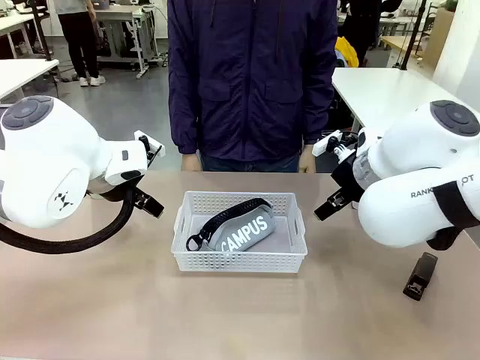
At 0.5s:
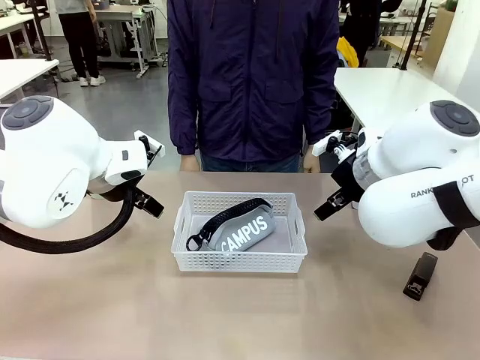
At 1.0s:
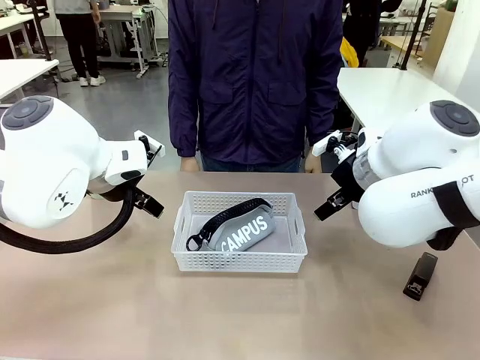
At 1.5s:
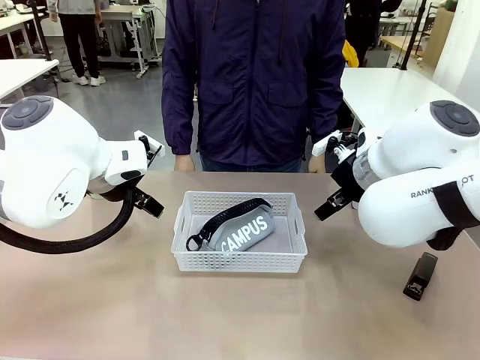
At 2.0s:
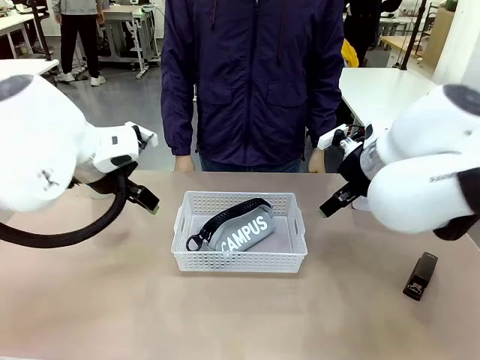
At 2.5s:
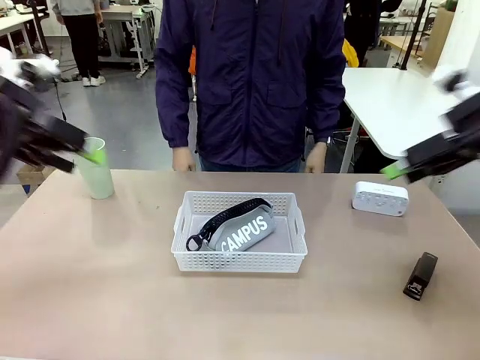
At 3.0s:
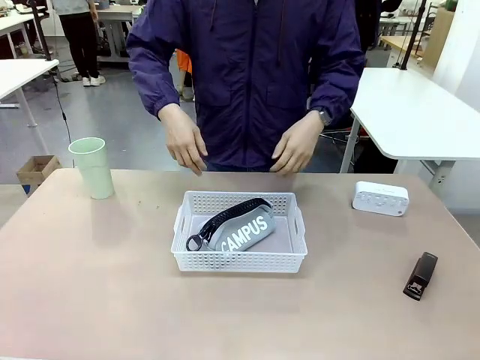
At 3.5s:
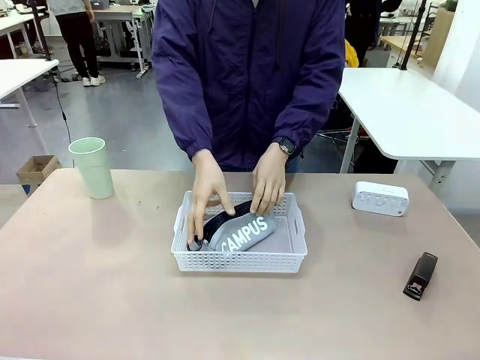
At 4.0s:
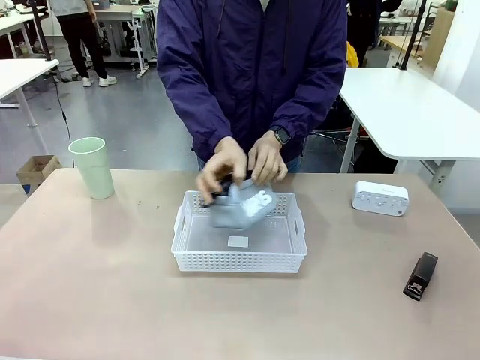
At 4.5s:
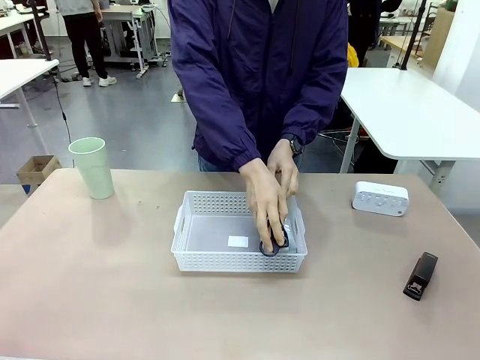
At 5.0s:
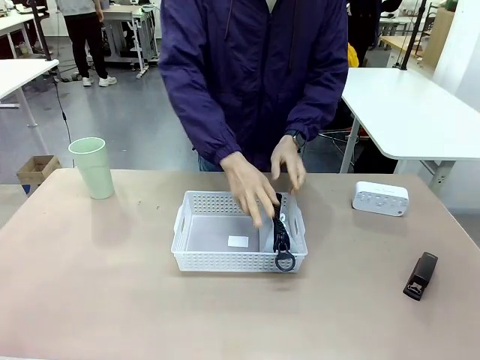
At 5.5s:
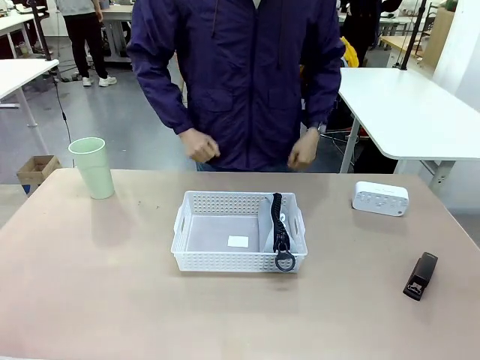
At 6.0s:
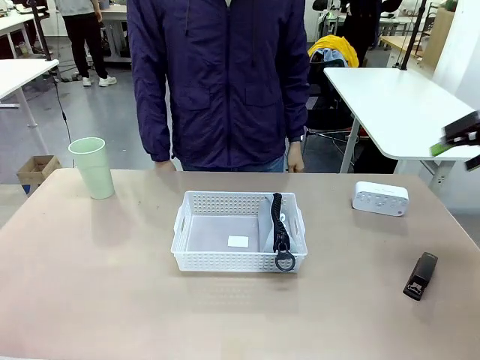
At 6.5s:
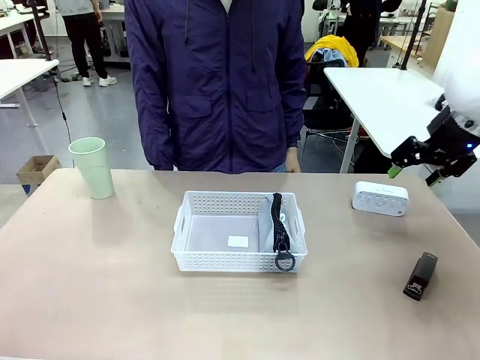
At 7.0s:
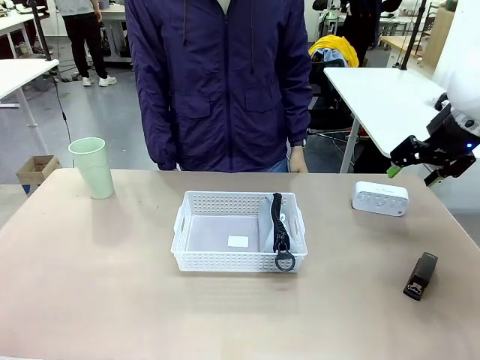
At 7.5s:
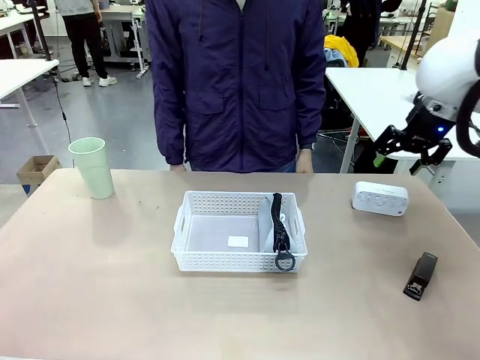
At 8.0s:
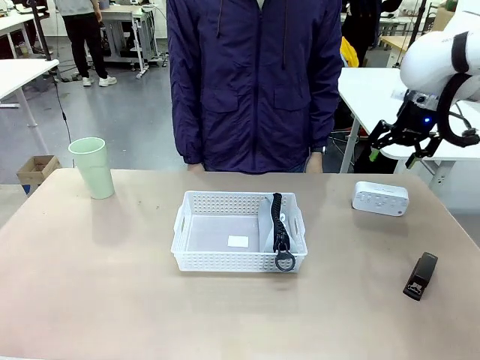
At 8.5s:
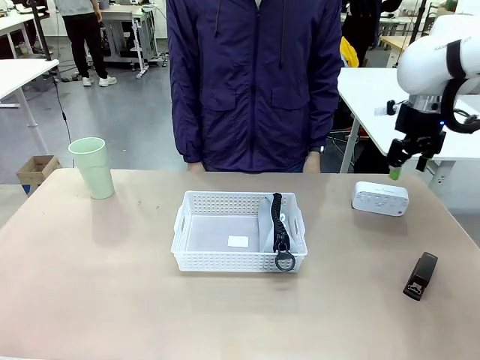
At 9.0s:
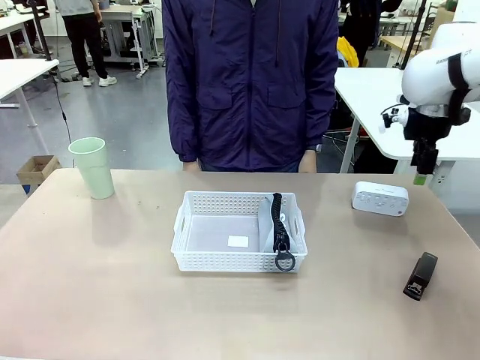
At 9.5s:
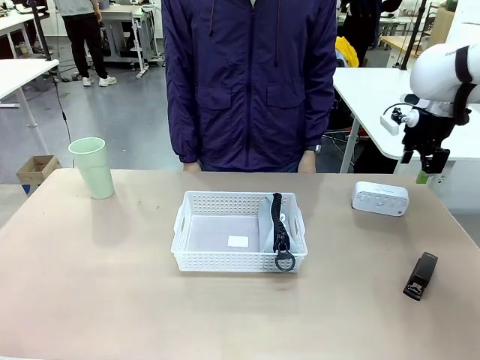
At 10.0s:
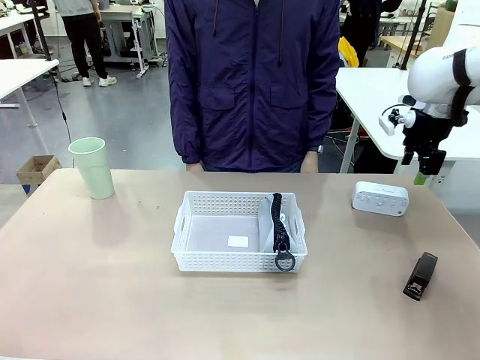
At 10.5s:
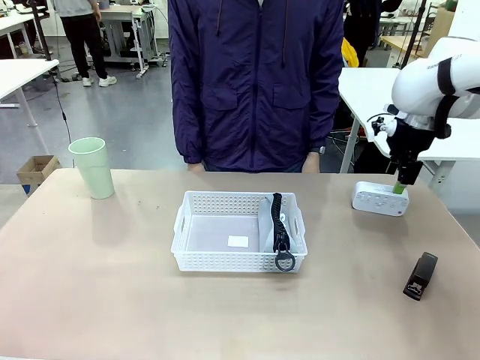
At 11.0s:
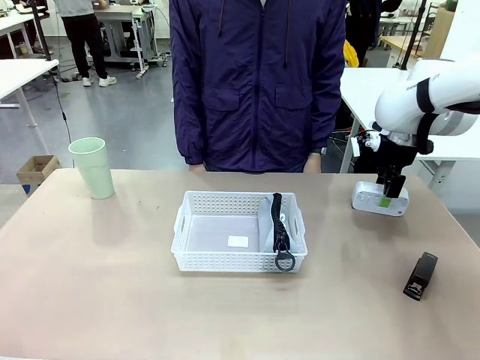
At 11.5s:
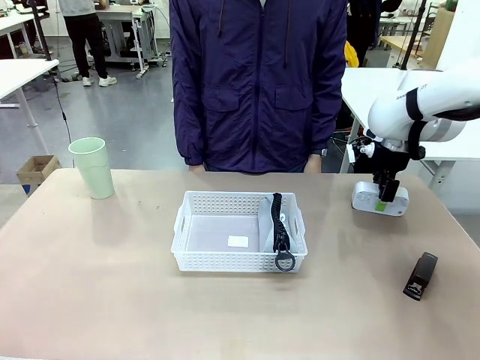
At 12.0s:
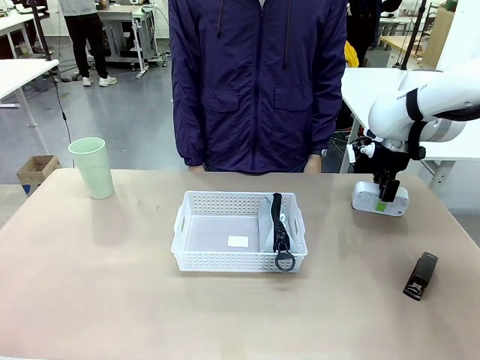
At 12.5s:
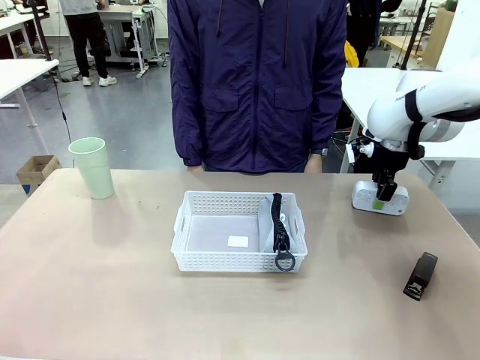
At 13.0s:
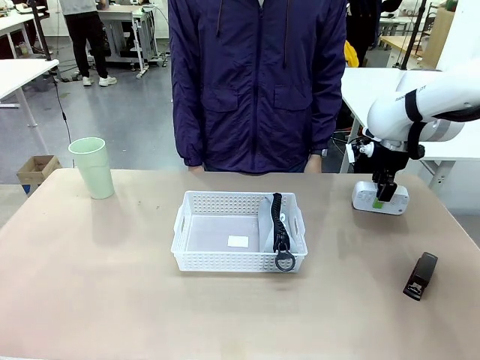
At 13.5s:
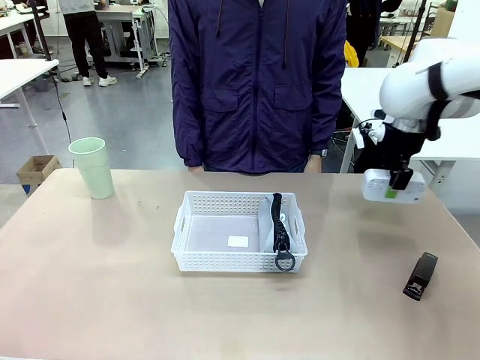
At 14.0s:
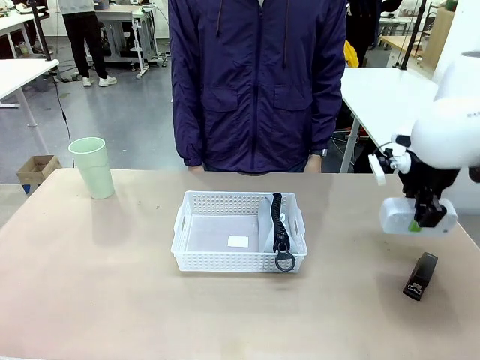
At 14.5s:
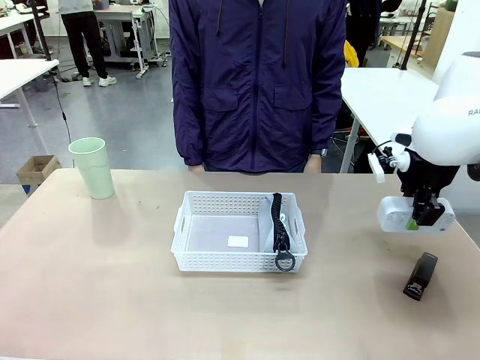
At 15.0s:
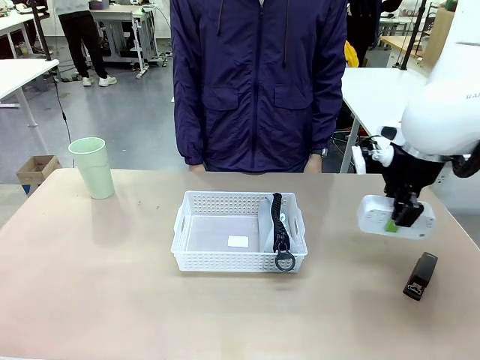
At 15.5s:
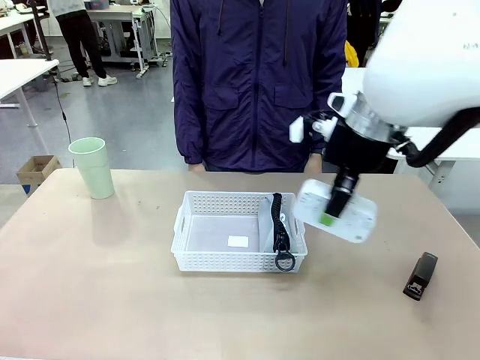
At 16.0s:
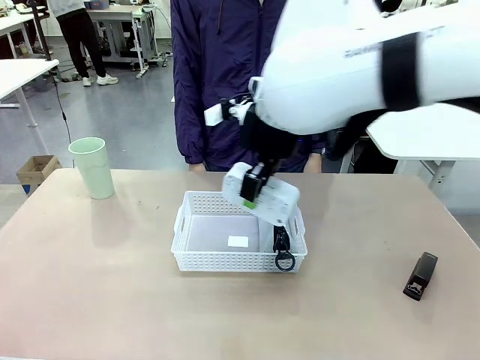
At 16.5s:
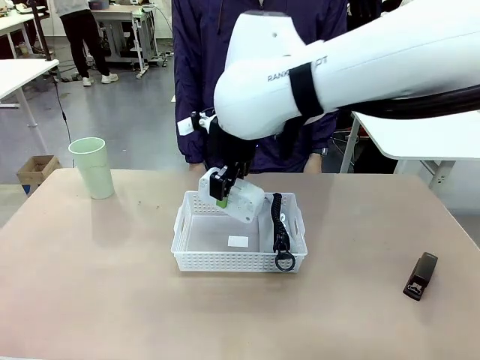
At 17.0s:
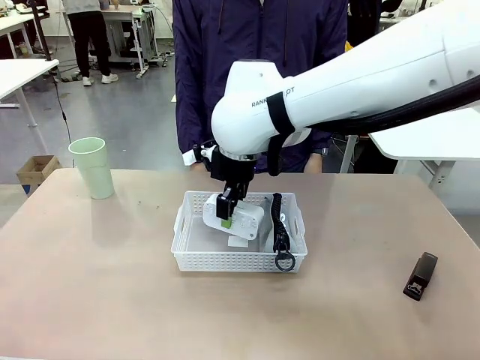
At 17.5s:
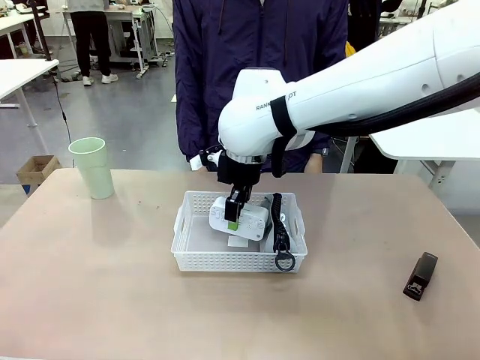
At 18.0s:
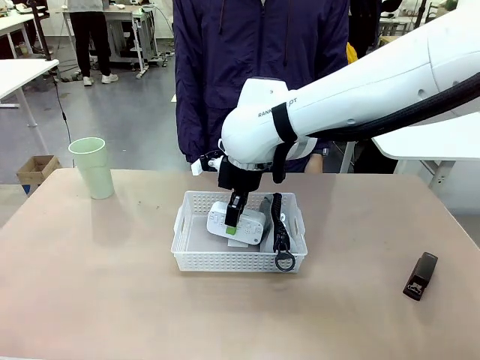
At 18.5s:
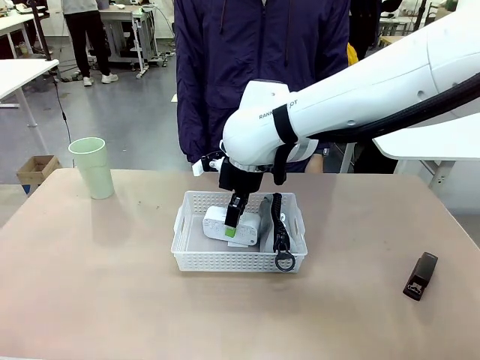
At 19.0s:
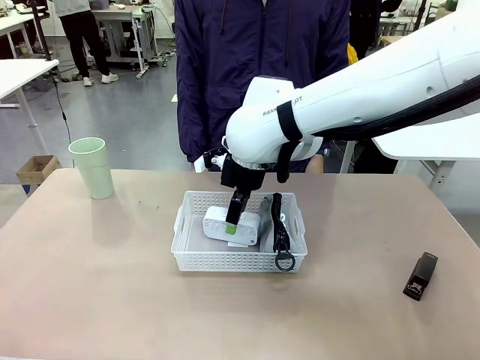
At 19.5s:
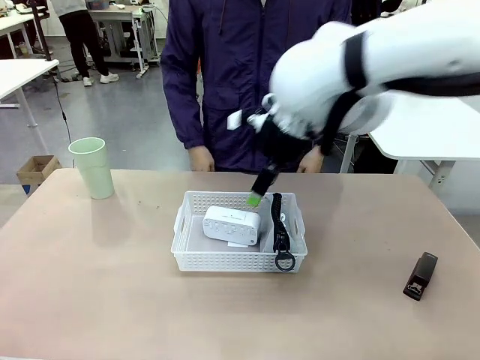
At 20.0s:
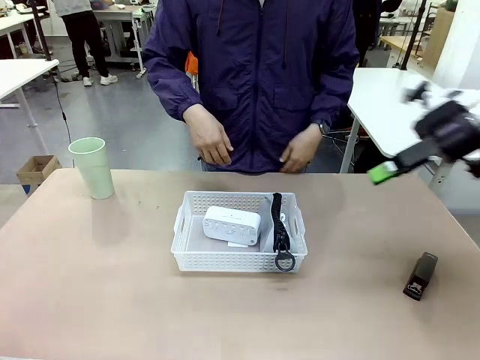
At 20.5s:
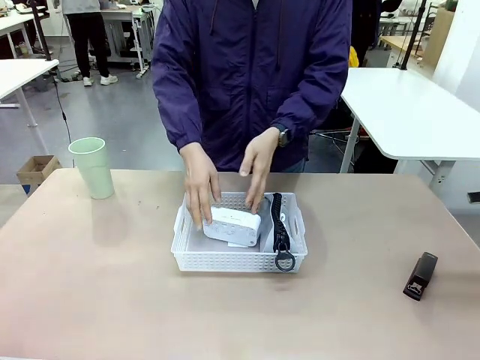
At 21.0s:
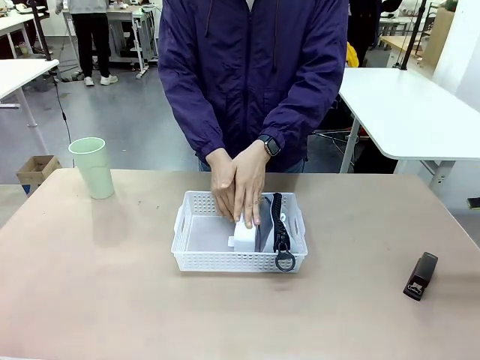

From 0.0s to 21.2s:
Task: Efficiently arrange items inside the basket to fit them all.
Robot: Pick up the Digital clock and place it inside the Organizing basket.
Person: Repositions the pencil case. Repositions the digital clock.
